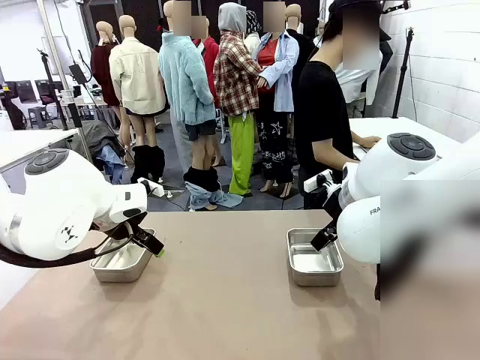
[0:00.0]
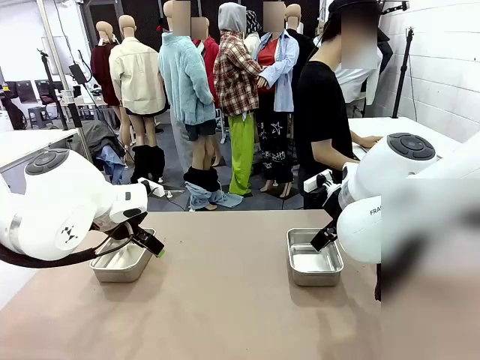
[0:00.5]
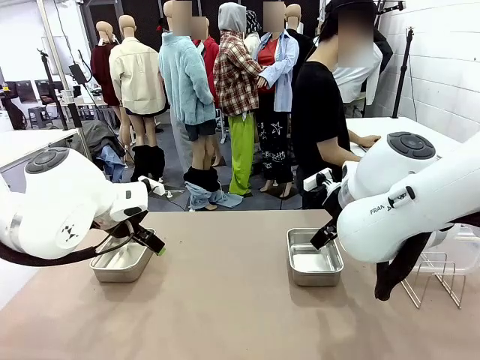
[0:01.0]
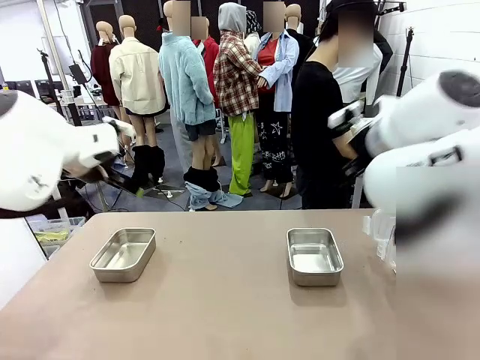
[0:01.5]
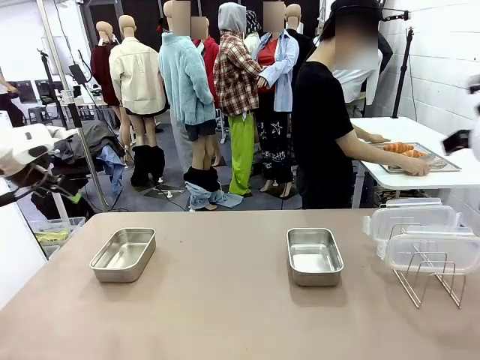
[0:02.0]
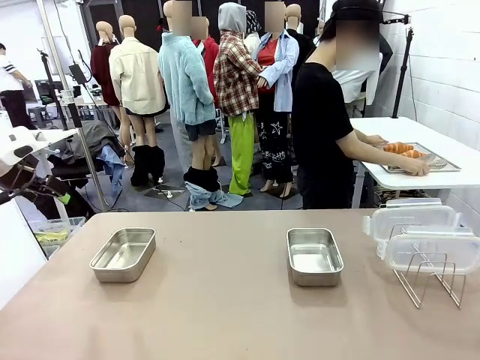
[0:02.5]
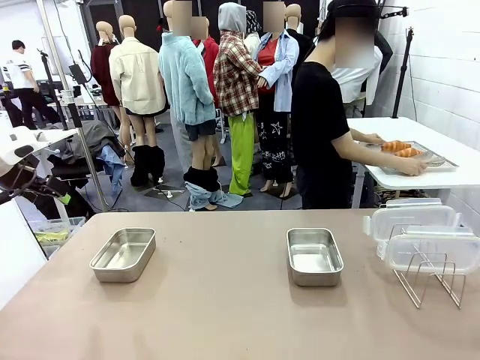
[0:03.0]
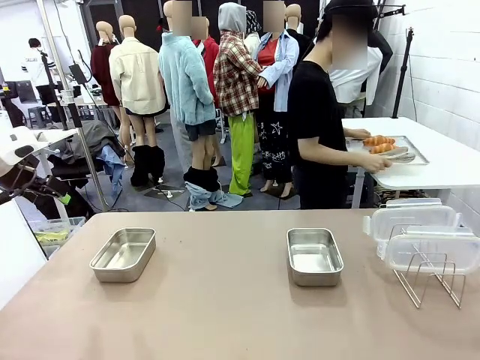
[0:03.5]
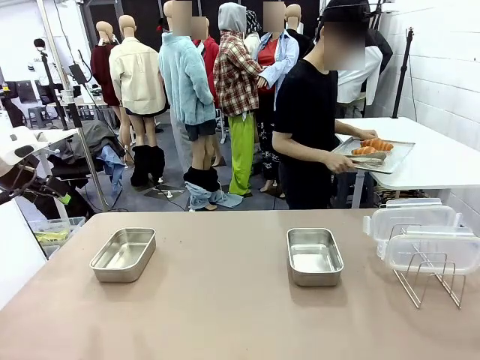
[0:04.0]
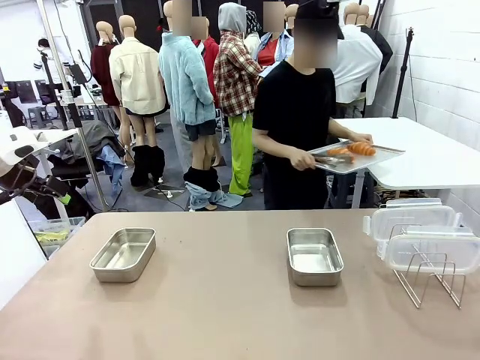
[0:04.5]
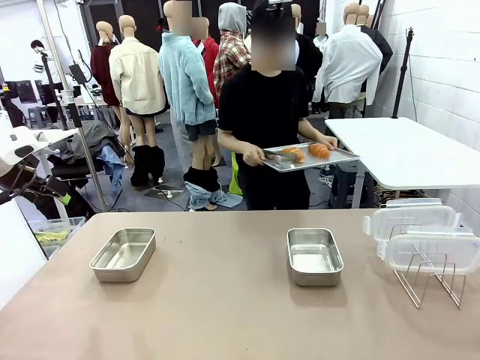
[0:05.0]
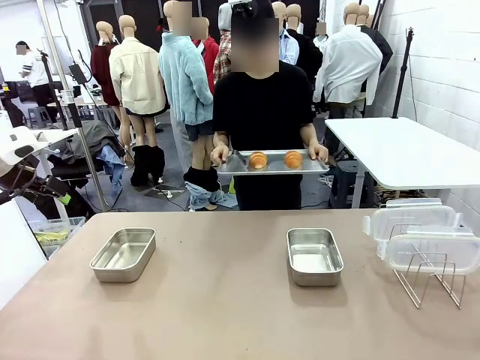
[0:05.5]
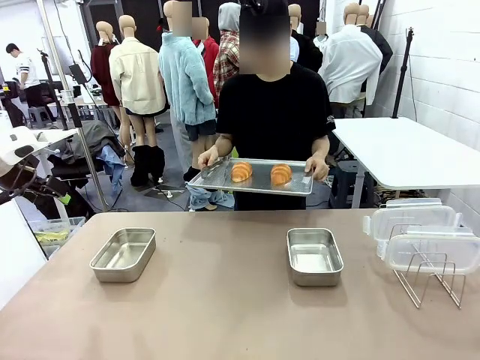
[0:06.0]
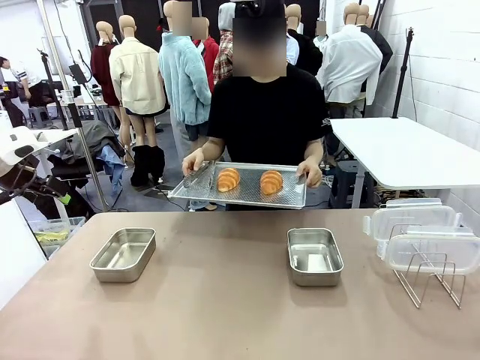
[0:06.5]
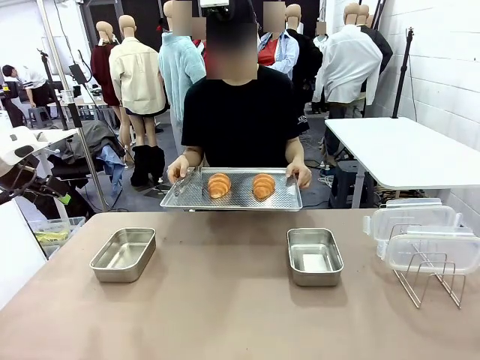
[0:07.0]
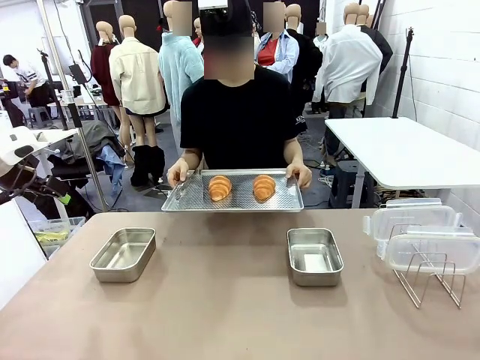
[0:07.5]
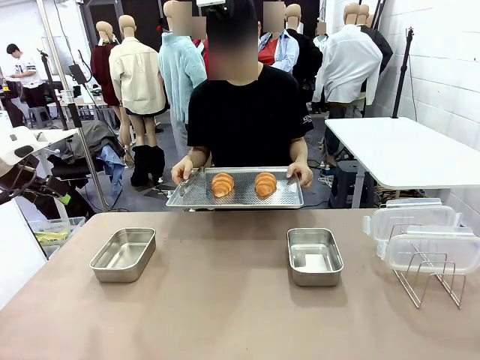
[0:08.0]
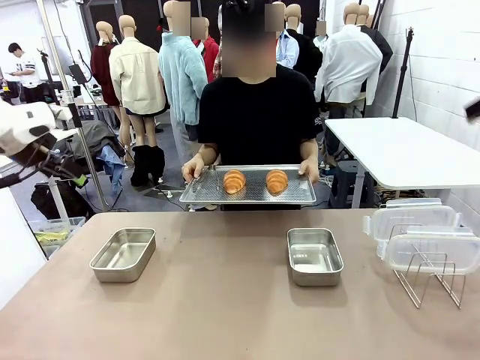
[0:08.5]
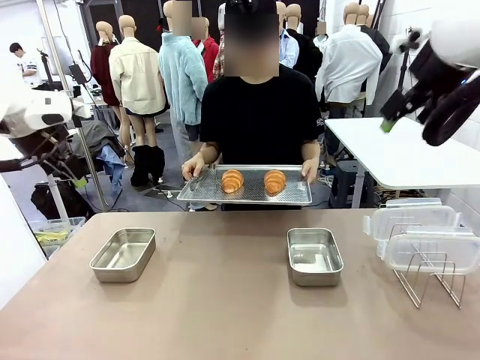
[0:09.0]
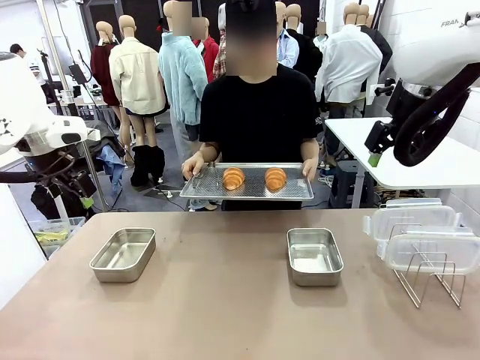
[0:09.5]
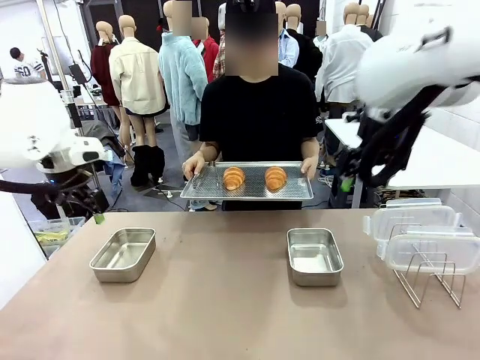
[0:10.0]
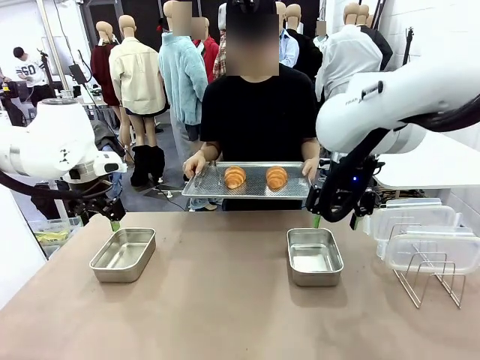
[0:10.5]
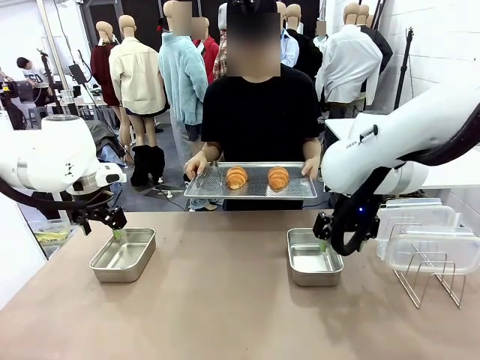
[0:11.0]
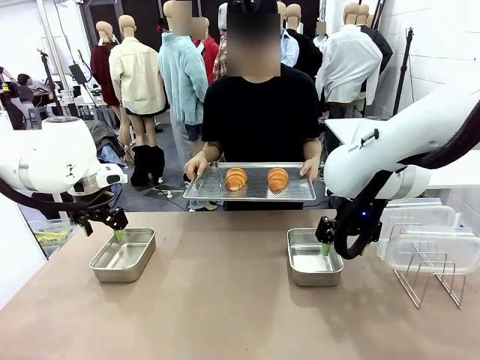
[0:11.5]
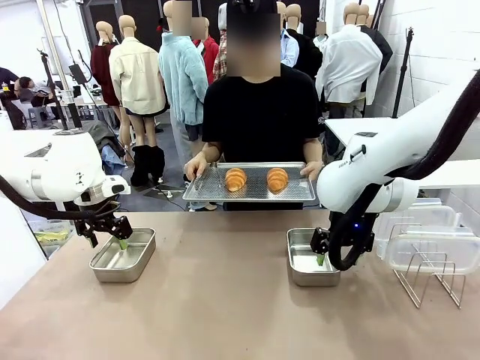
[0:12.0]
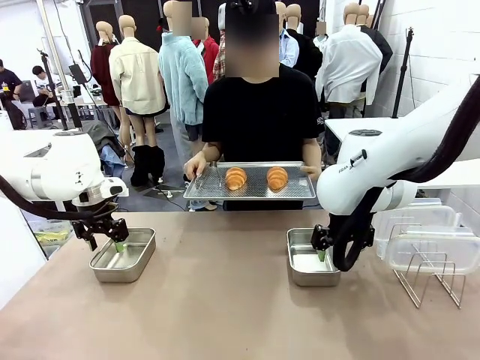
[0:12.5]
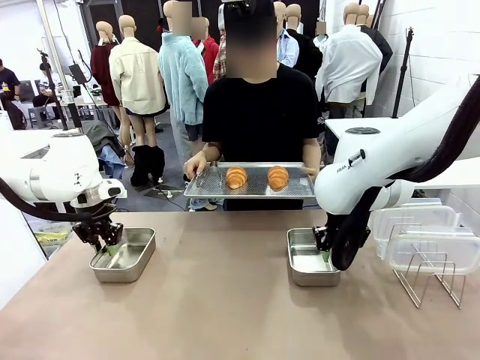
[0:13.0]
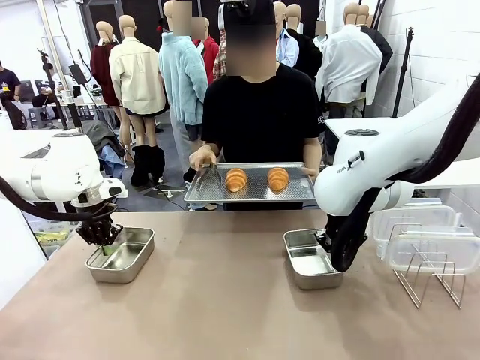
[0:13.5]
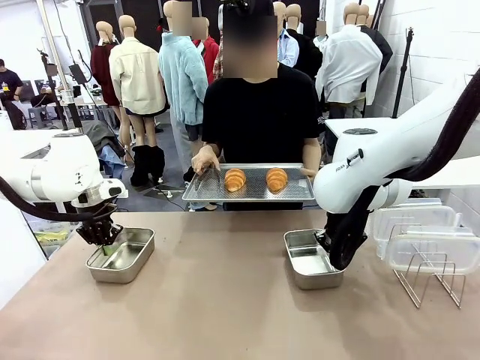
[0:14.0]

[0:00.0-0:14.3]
Task: Place the bread in airtight containers.
Robot: Lift both Airtight Container.
Person: Bring the Baking Sheet in front of Robot's Table.

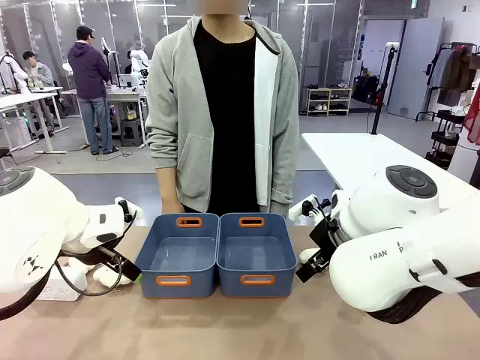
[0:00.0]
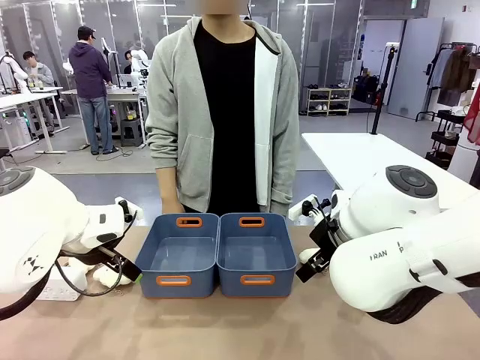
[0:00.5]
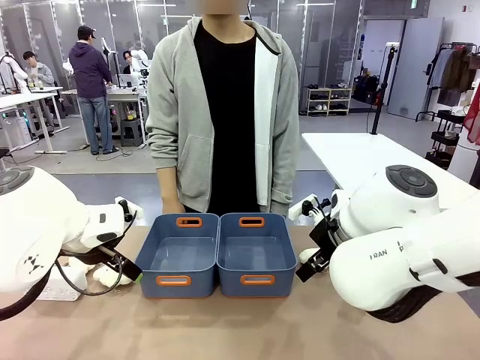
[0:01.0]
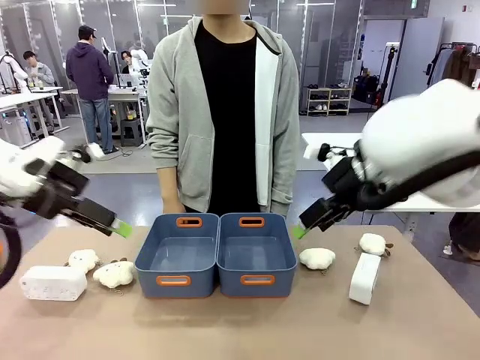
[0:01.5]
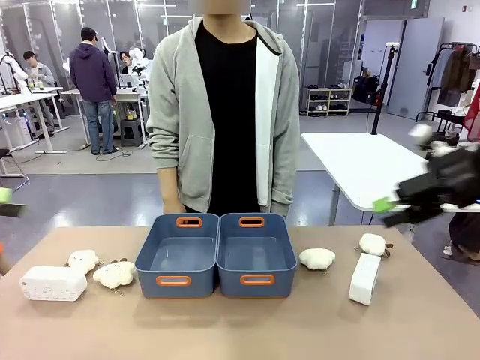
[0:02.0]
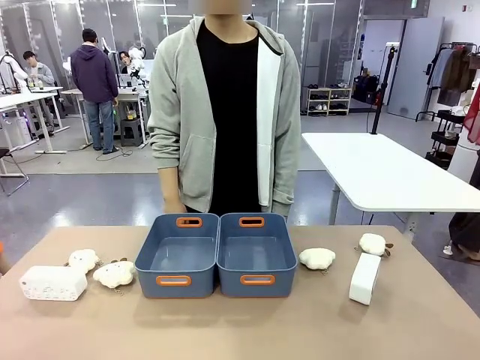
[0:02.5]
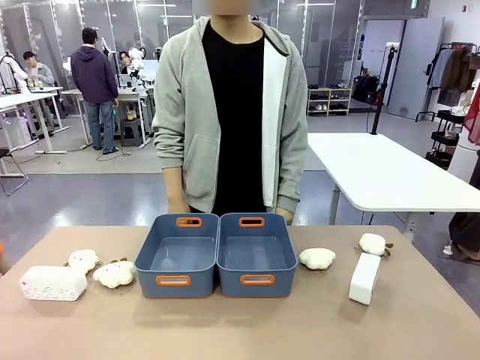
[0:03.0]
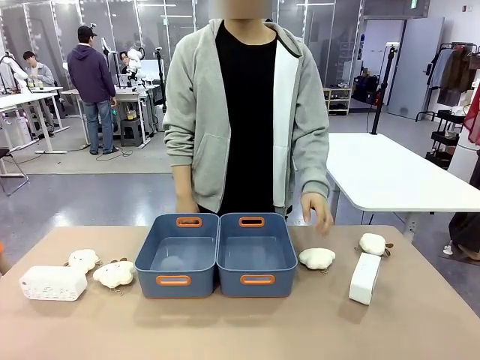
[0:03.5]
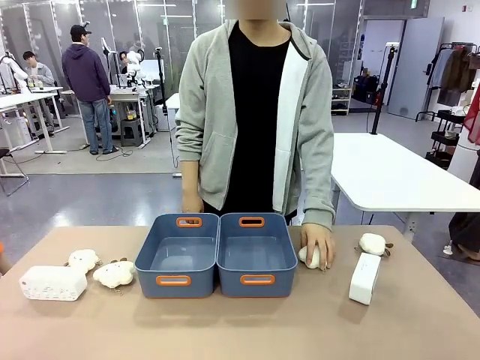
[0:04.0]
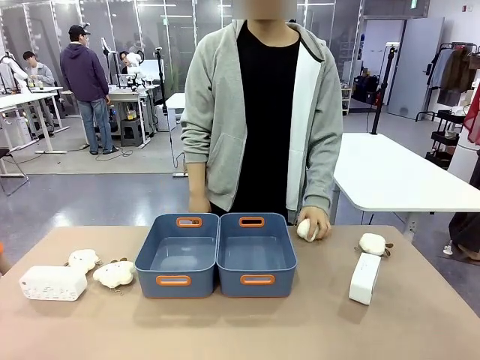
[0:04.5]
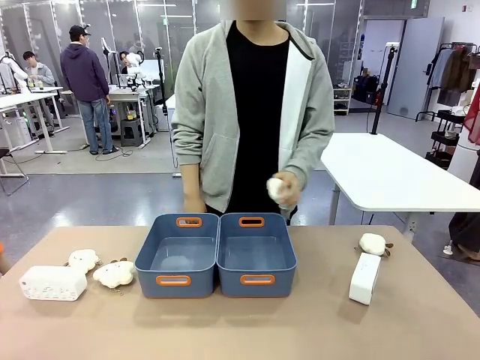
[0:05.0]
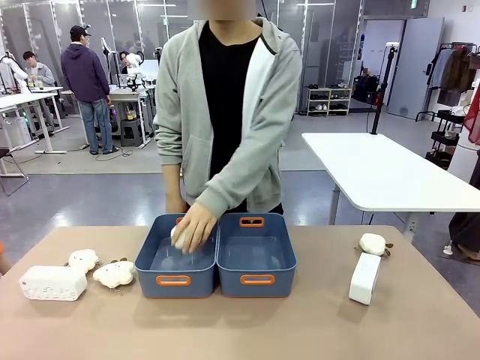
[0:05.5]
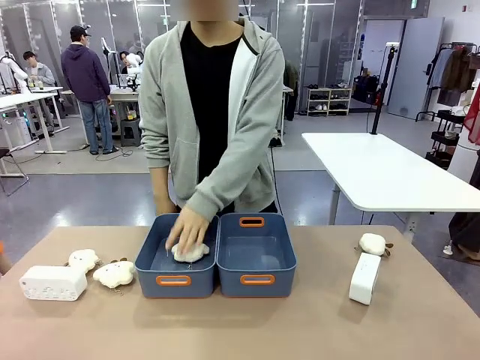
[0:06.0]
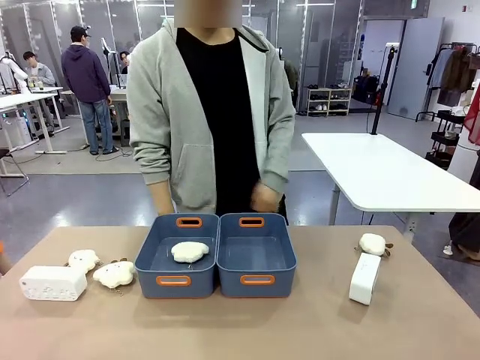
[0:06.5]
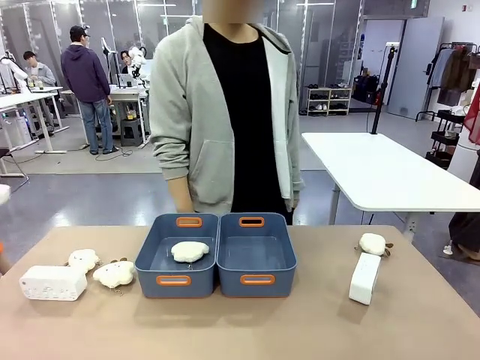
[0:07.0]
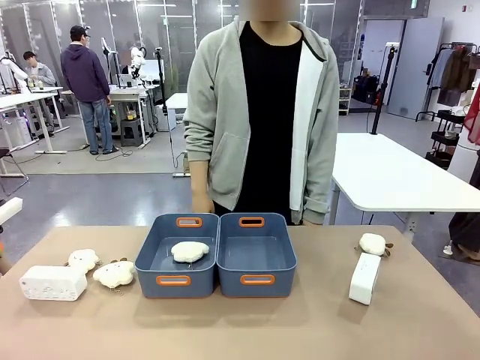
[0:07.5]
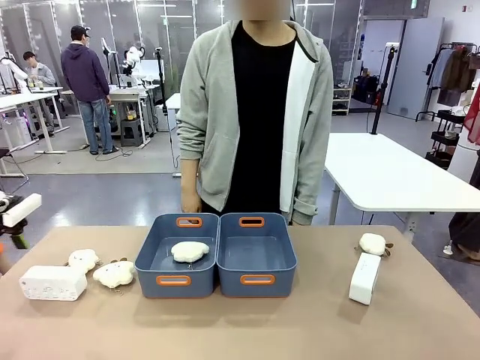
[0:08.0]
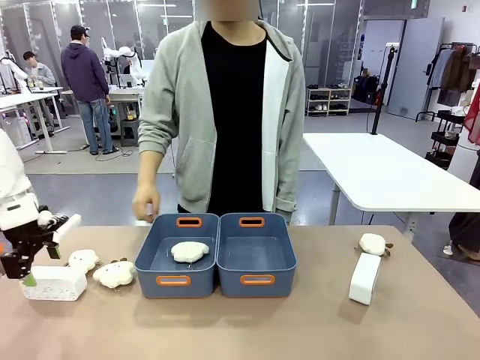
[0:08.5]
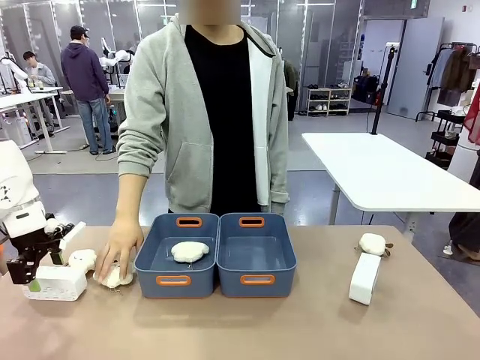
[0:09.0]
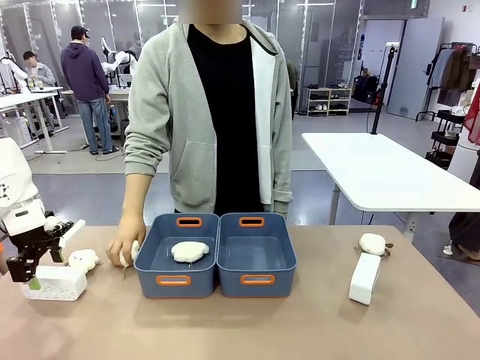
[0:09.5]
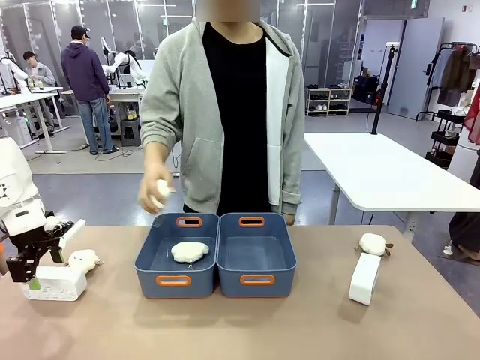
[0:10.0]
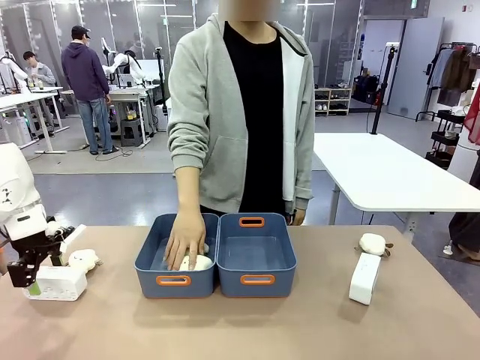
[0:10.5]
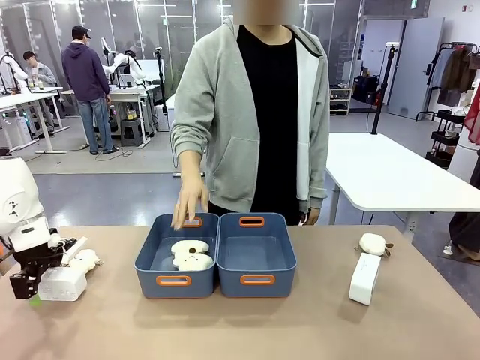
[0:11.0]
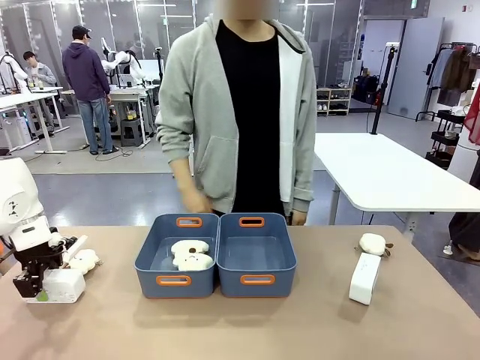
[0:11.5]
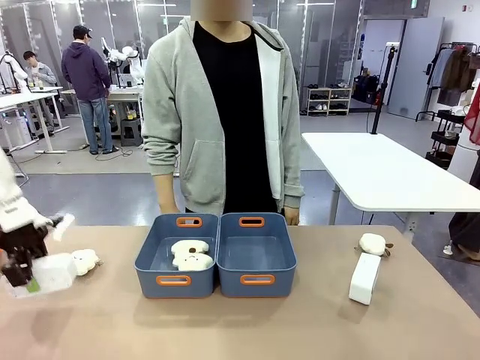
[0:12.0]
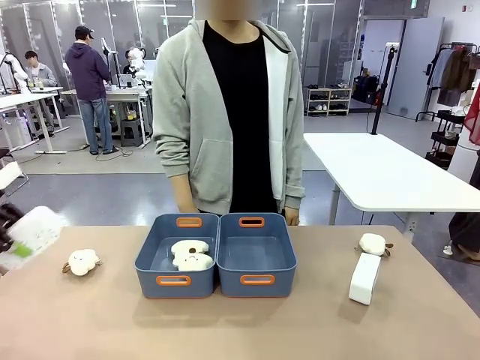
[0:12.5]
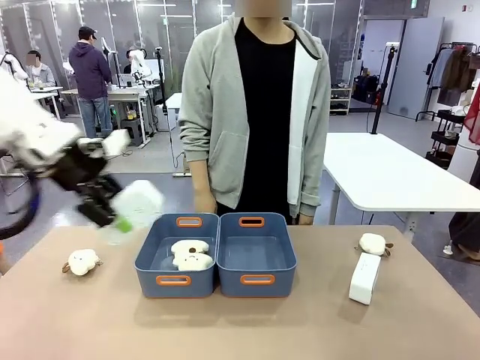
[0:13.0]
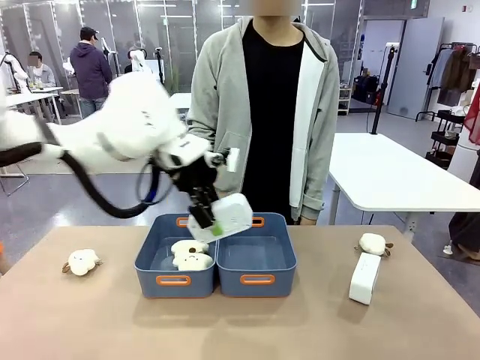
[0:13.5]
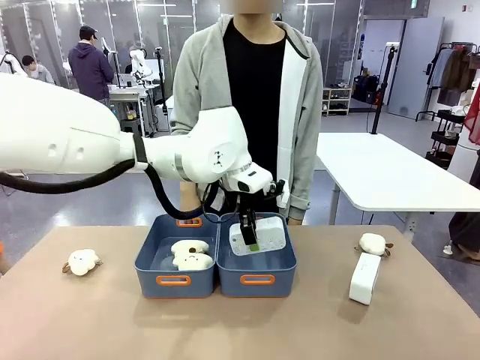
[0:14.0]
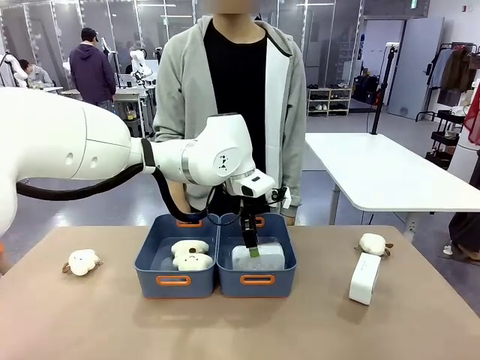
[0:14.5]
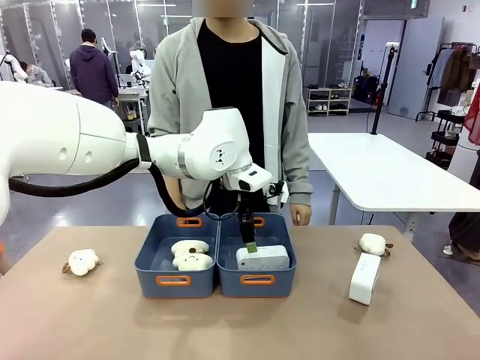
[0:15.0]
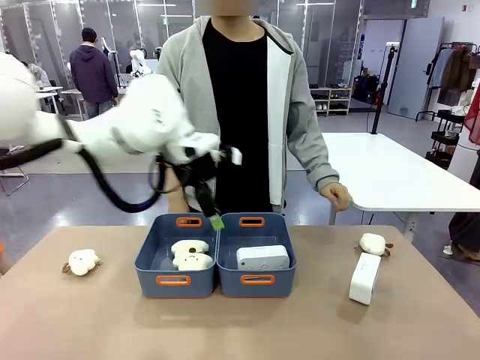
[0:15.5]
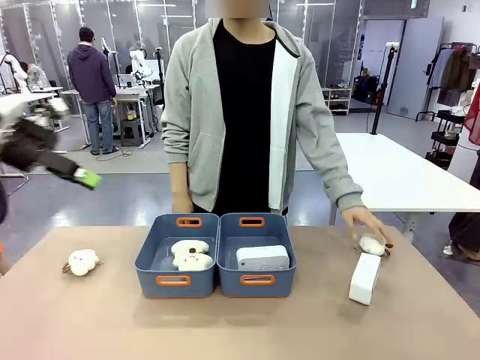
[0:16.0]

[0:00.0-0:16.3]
Task: Sort the digital clocks into the basket.
Robot: Pick up the Digital clock from the table and place it into the empty Plastic storage basket.
Person: Pick up a plush toy from the table and place it in a plastic storage basket.
